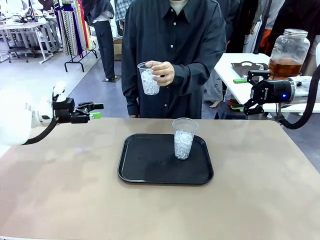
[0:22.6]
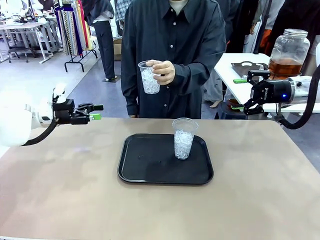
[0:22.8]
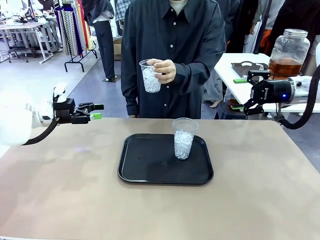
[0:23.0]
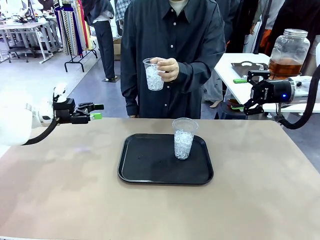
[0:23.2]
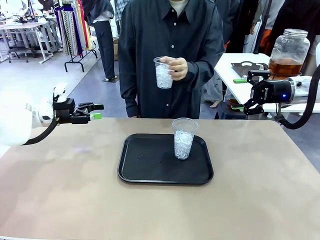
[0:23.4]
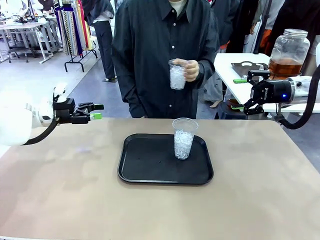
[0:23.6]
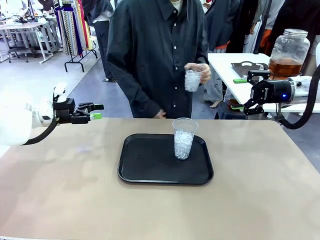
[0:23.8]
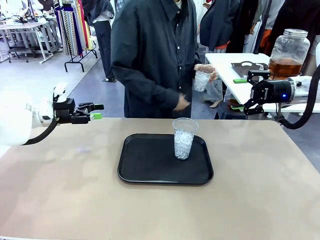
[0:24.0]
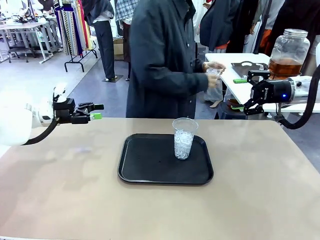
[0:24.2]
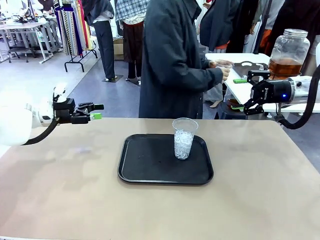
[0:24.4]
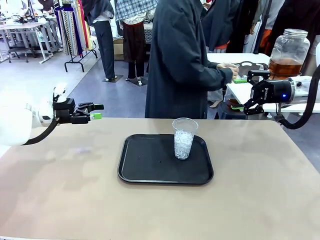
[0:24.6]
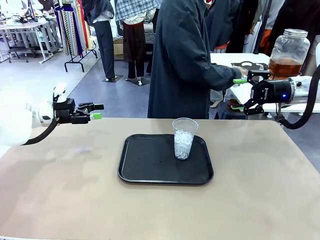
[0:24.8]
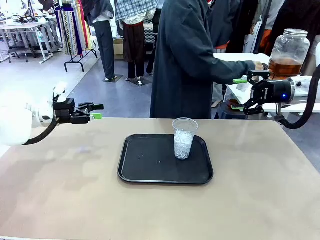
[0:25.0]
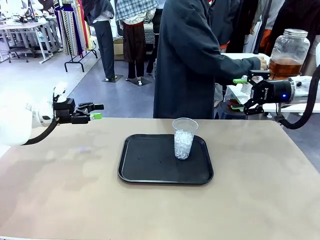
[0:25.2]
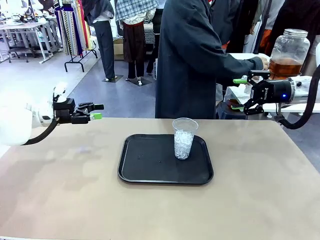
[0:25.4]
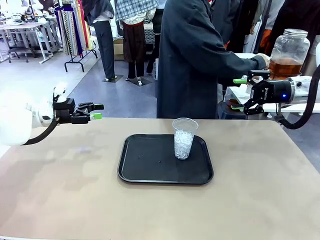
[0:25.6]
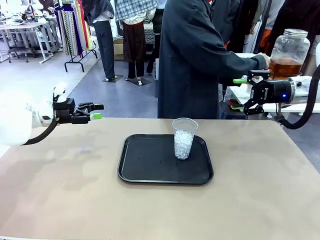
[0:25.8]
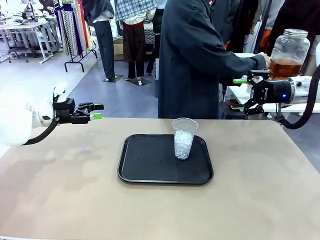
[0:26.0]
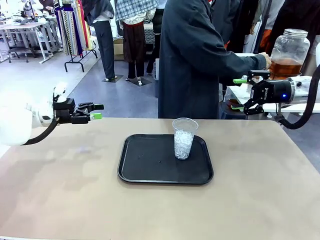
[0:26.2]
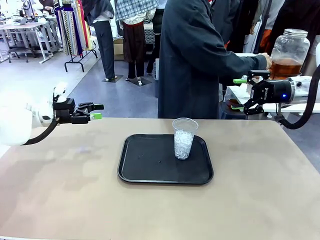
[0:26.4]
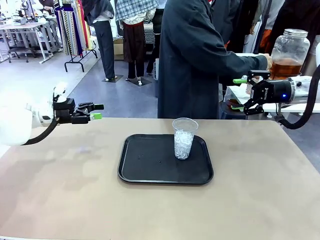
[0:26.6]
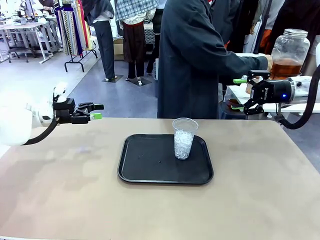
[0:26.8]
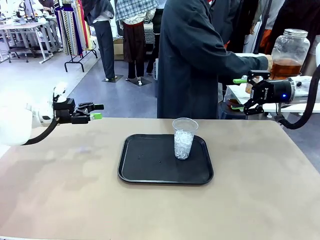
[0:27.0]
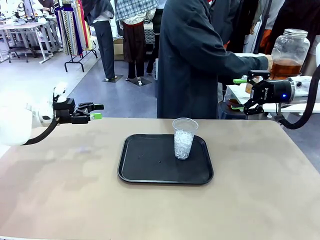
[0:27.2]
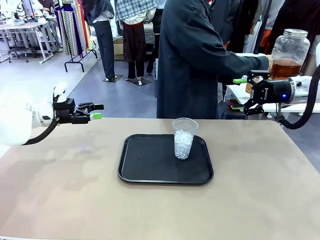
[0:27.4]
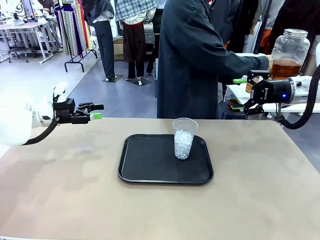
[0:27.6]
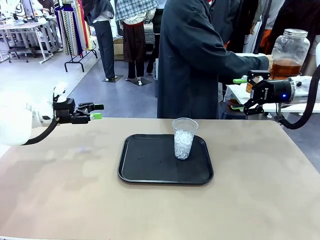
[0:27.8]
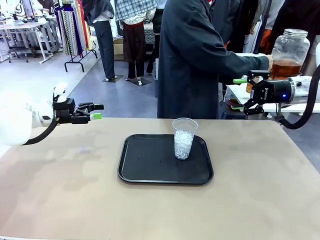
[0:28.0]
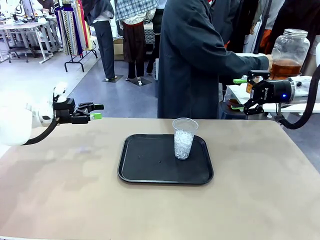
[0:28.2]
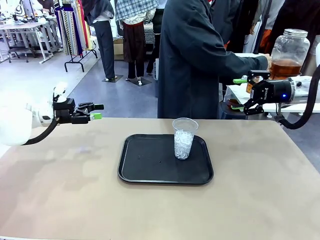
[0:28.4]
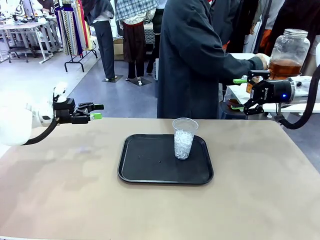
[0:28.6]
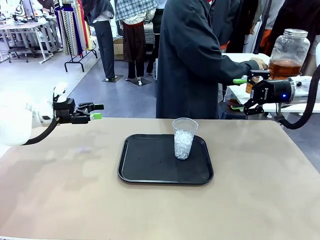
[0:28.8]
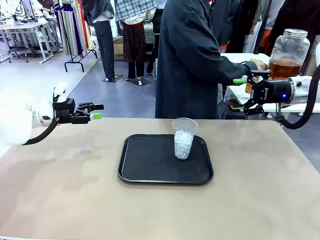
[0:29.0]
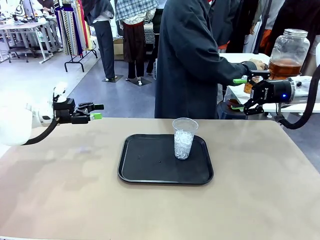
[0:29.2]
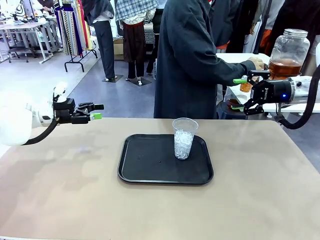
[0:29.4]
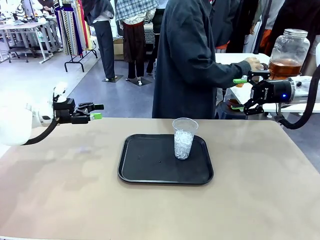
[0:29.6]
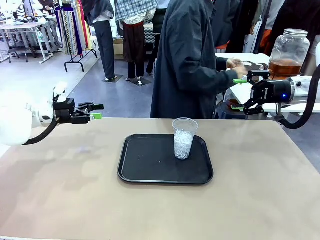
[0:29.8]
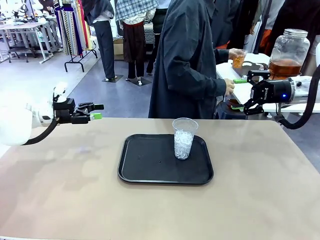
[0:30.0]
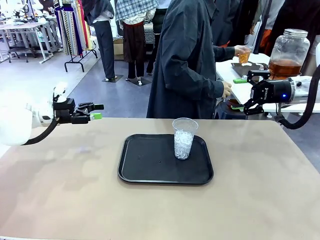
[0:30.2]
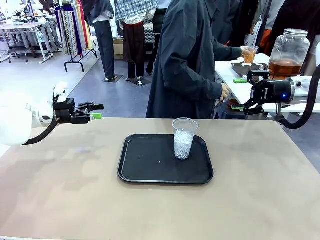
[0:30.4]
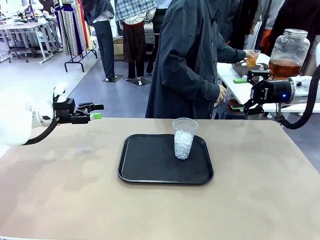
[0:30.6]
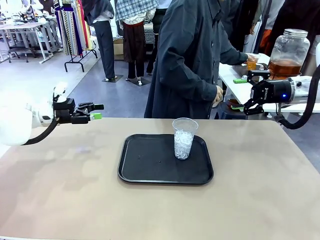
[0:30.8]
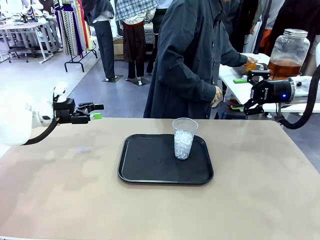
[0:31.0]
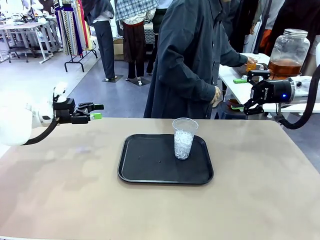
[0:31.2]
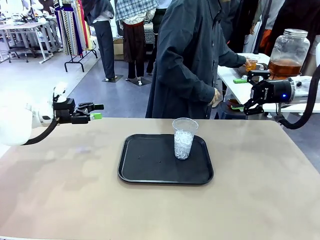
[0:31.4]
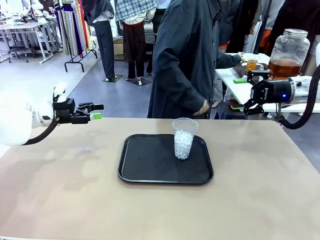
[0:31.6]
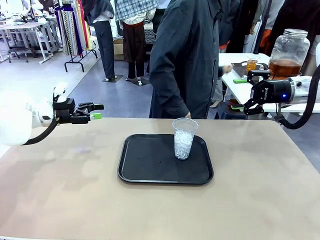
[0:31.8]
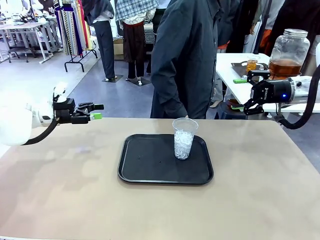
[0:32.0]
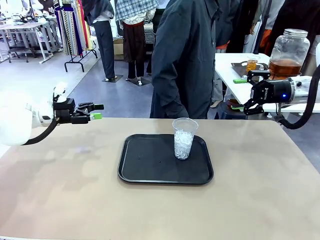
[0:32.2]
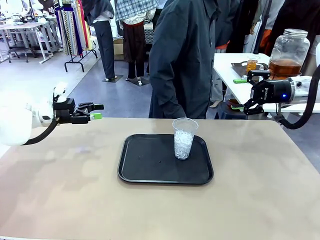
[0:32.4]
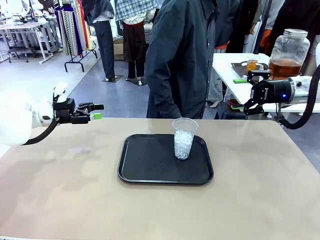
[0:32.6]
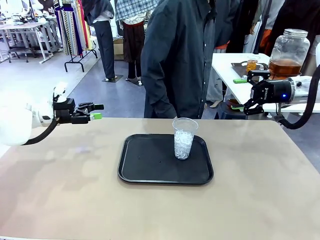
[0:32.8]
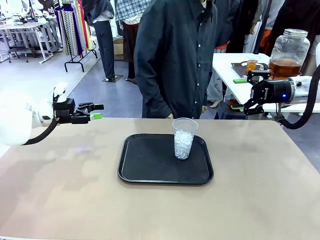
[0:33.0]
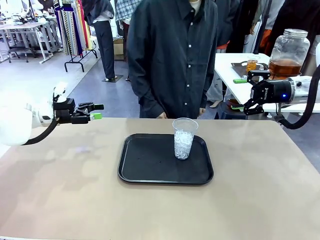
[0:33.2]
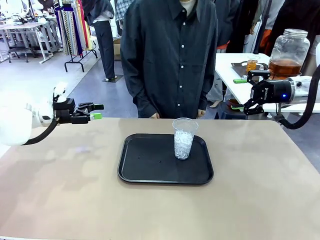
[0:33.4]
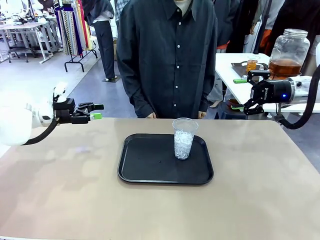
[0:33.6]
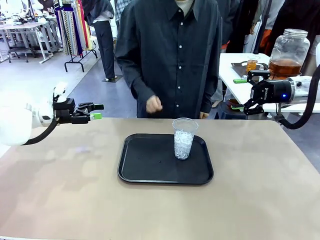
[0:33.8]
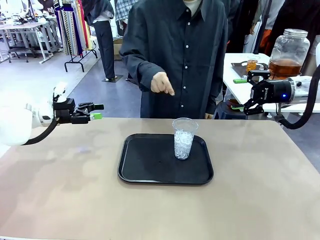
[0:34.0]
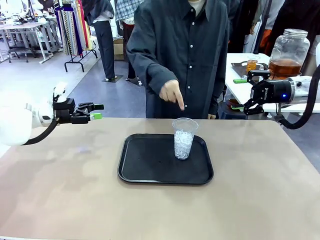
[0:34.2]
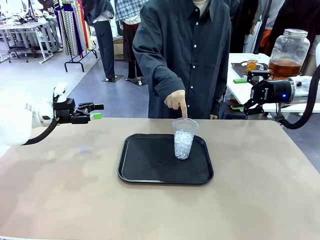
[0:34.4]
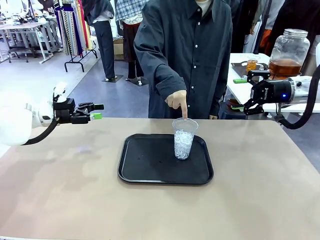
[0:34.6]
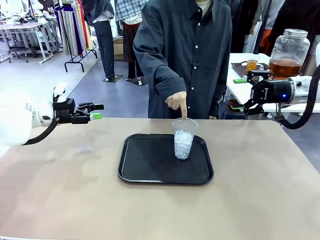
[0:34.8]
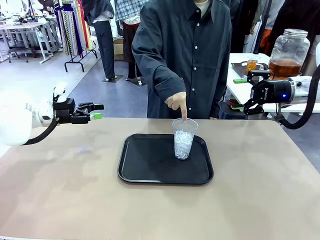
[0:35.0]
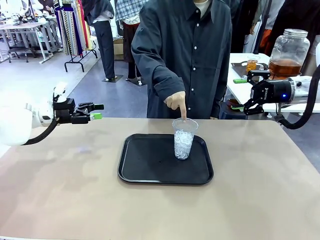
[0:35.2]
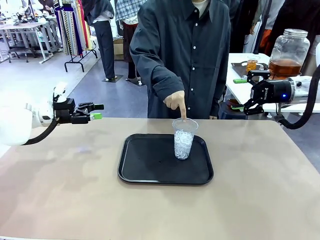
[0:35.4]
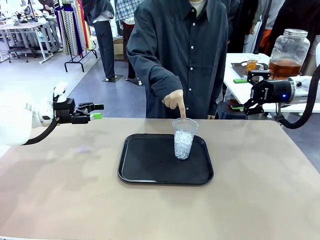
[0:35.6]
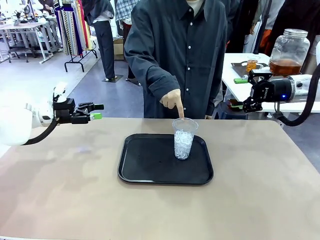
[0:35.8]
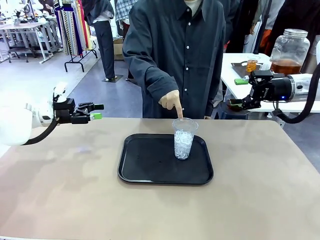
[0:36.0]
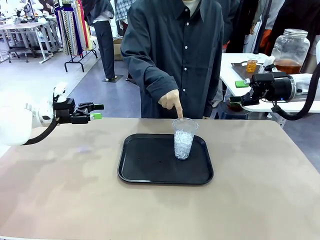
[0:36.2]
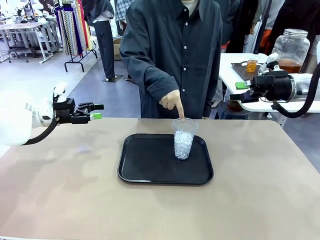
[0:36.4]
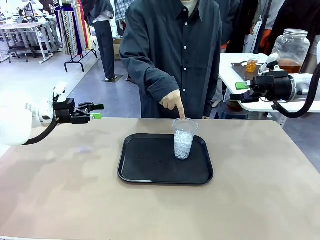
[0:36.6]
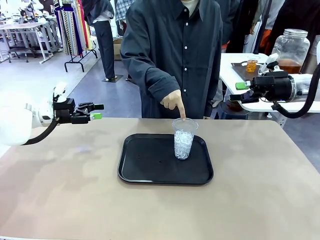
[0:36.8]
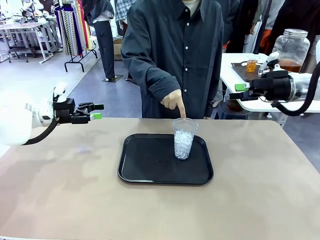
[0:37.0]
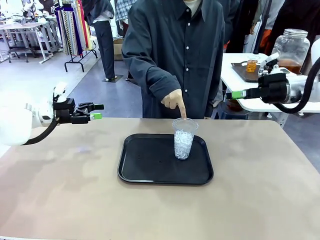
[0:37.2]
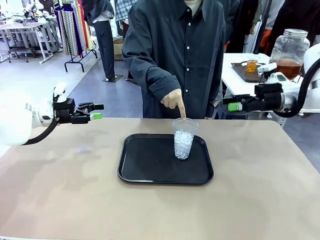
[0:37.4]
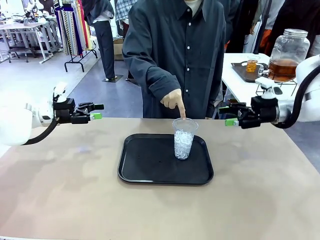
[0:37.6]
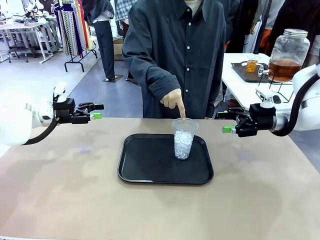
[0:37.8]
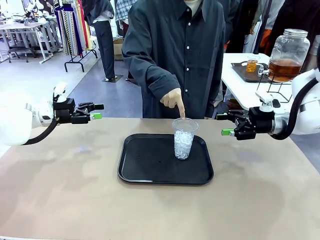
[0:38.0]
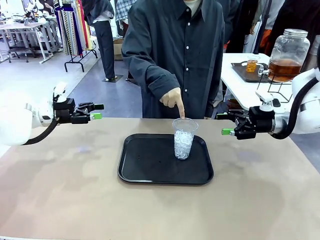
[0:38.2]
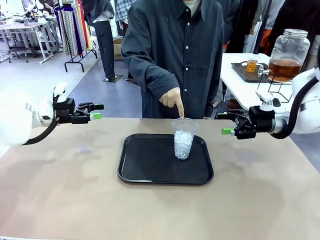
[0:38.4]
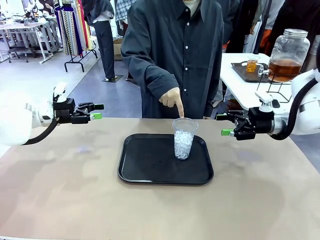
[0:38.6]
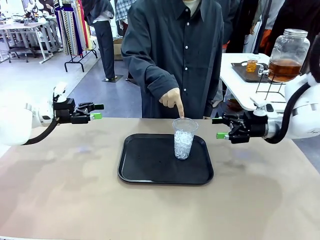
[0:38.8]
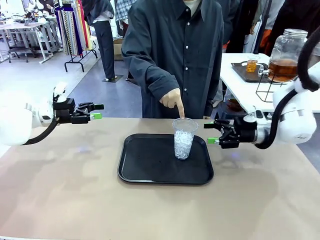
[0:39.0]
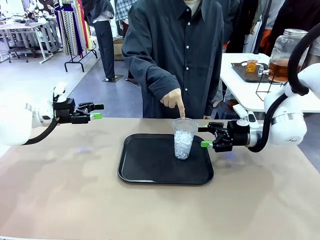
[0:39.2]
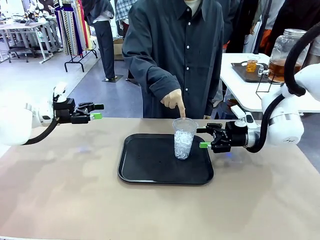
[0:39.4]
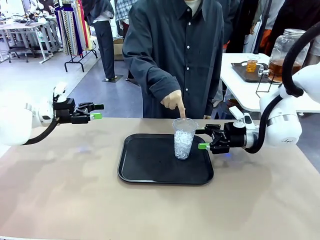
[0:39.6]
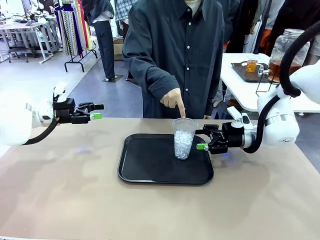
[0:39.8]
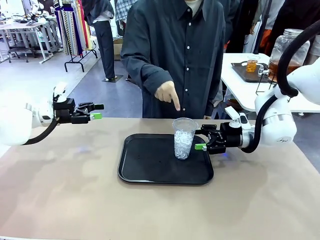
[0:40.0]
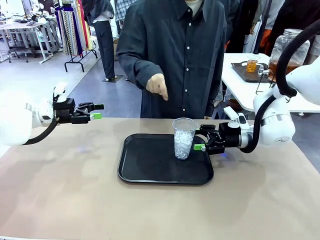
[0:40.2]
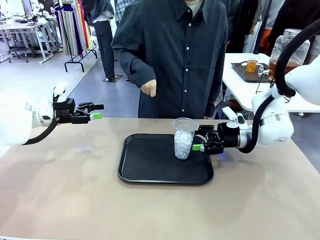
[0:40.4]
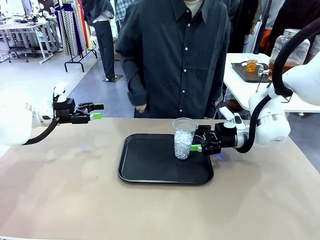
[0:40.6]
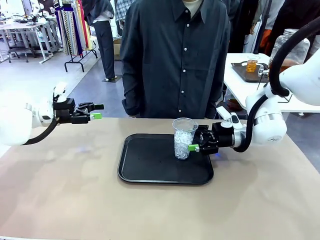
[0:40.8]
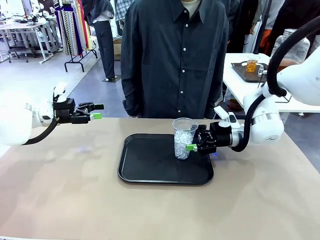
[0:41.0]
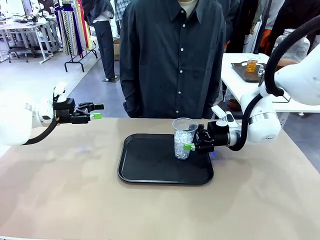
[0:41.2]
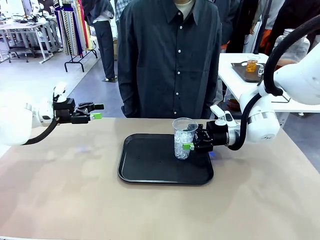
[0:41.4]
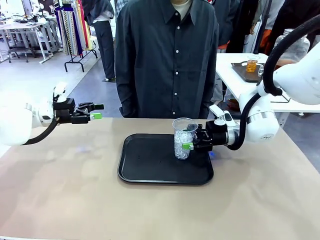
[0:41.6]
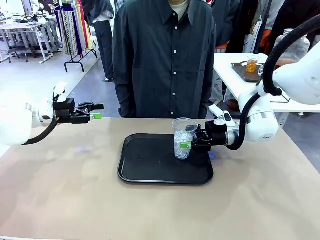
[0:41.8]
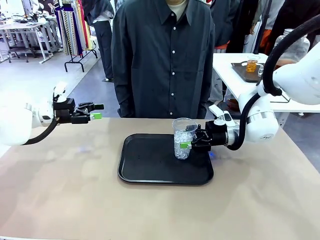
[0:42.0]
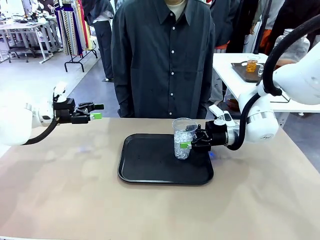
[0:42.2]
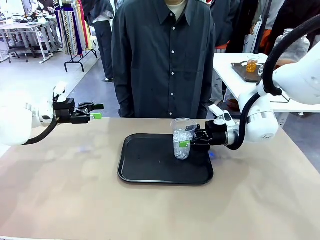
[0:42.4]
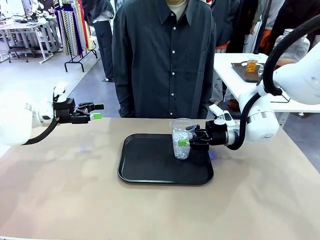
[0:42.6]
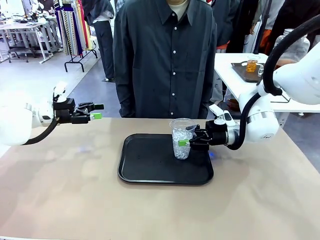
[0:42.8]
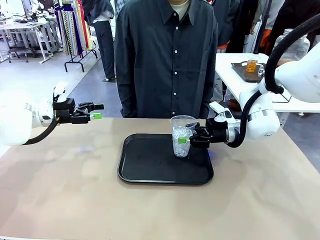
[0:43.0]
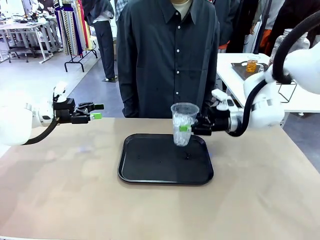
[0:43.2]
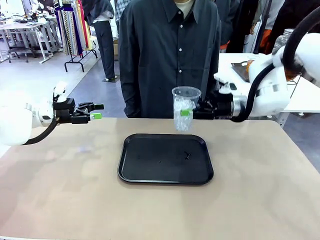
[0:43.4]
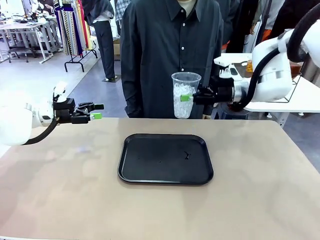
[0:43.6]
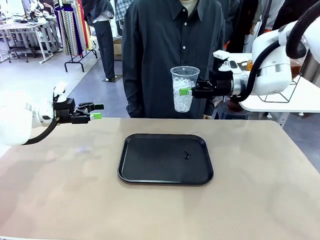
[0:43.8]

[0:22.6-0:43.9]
Task: Pour the drink into the iced cup.
Robot: Pick up the iced cup indicated by the human and present it to them.
Person: Move the picked-up cup under the dispenser faucet, pour the drink, and place it on the tray on the human table. Point to the remaining ice cup on the robot table. Pick up the cup offered by the robot.
